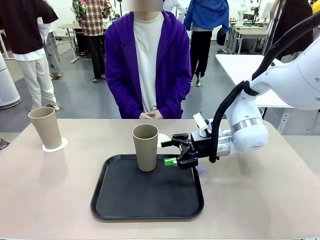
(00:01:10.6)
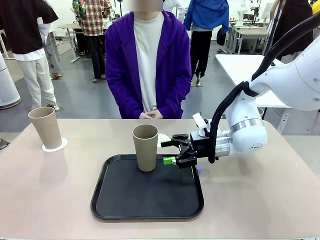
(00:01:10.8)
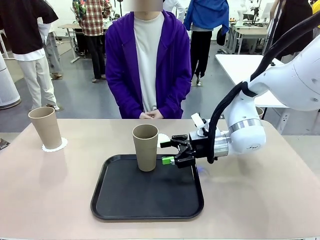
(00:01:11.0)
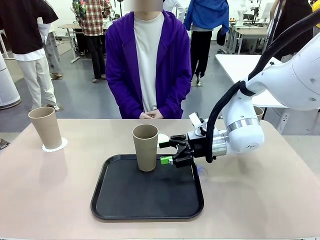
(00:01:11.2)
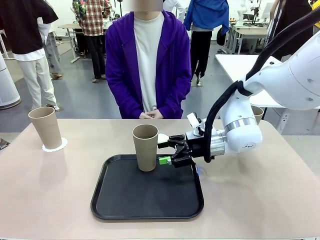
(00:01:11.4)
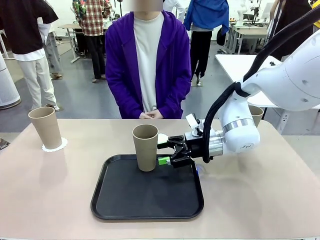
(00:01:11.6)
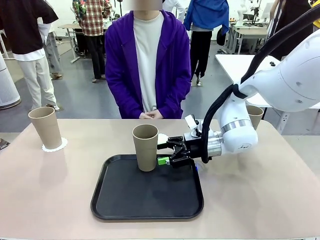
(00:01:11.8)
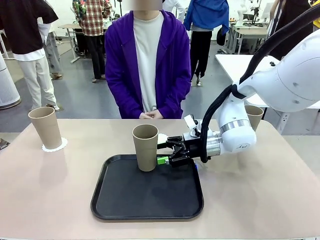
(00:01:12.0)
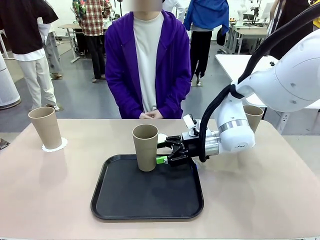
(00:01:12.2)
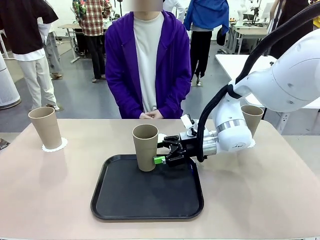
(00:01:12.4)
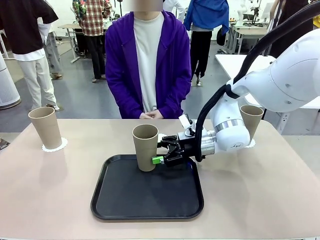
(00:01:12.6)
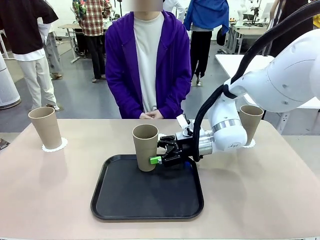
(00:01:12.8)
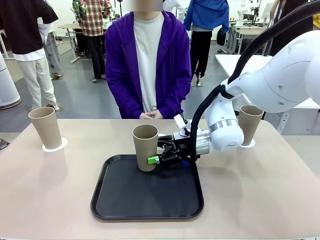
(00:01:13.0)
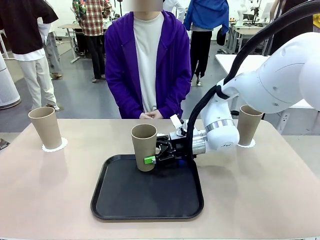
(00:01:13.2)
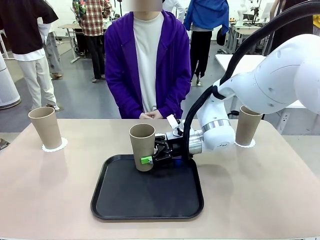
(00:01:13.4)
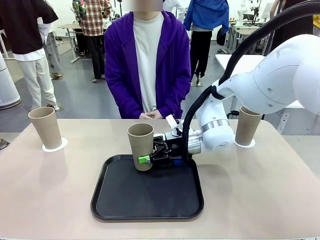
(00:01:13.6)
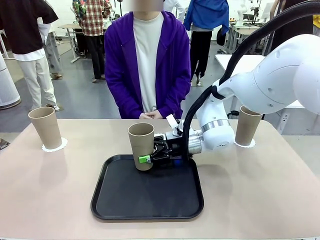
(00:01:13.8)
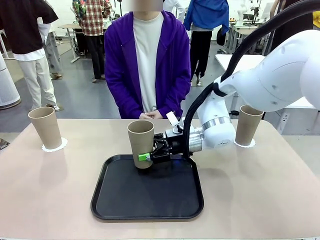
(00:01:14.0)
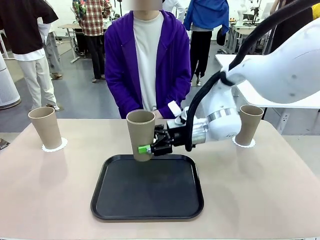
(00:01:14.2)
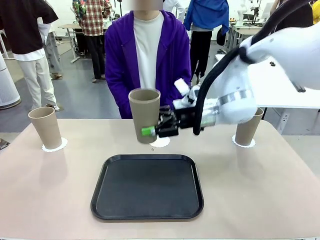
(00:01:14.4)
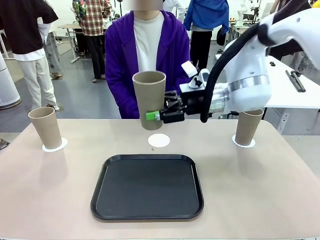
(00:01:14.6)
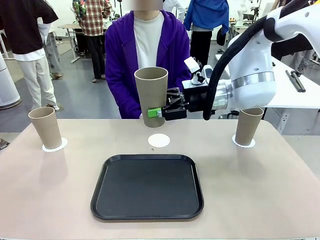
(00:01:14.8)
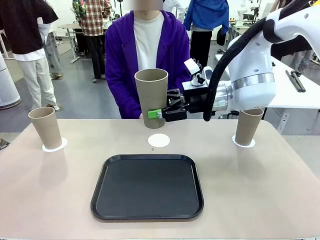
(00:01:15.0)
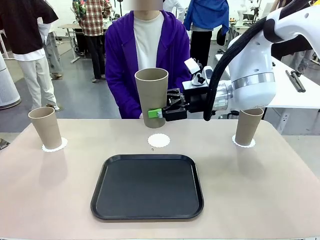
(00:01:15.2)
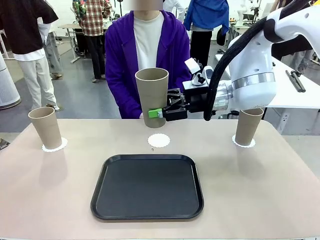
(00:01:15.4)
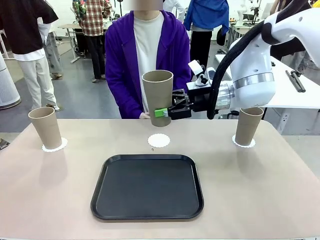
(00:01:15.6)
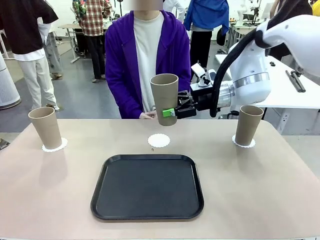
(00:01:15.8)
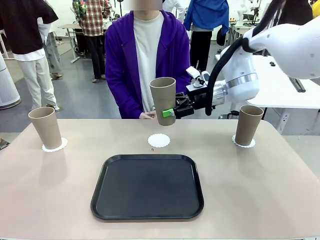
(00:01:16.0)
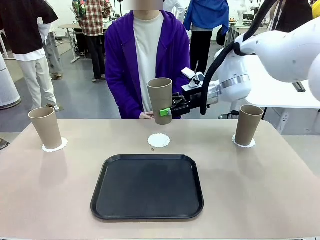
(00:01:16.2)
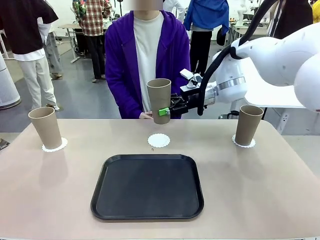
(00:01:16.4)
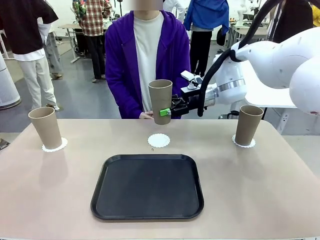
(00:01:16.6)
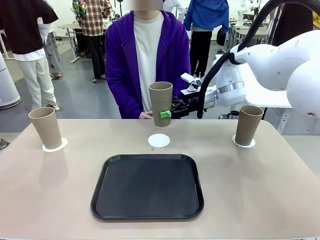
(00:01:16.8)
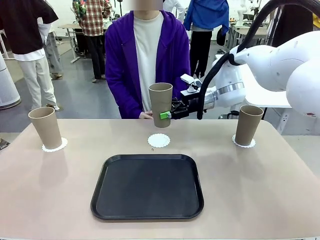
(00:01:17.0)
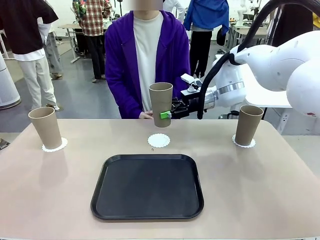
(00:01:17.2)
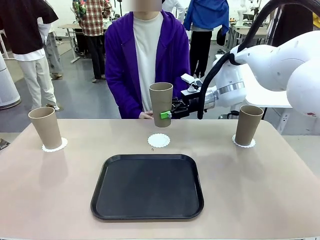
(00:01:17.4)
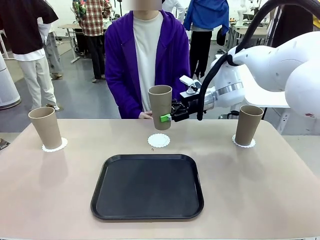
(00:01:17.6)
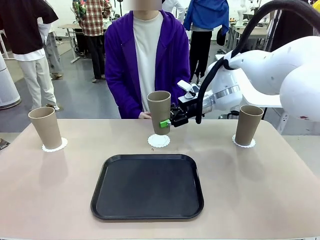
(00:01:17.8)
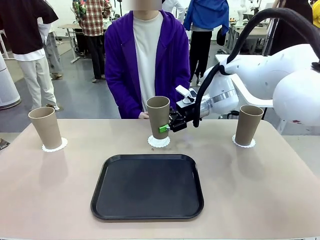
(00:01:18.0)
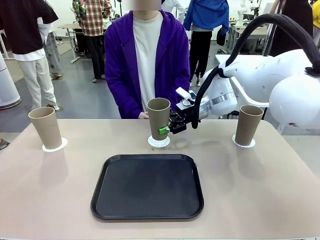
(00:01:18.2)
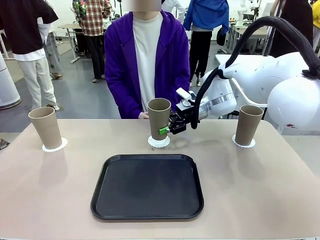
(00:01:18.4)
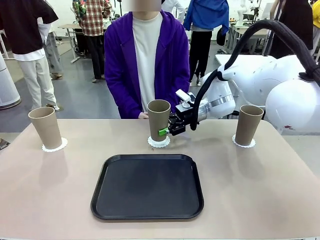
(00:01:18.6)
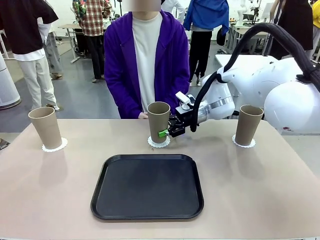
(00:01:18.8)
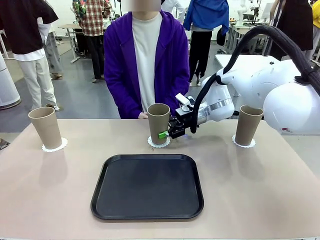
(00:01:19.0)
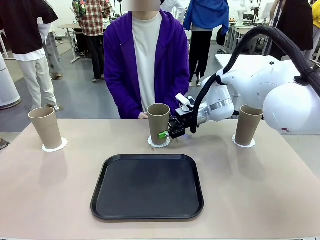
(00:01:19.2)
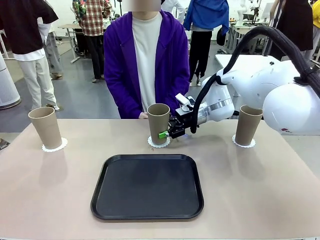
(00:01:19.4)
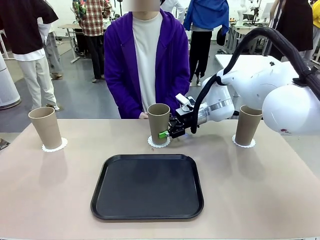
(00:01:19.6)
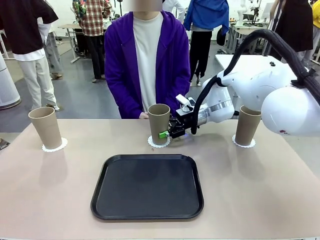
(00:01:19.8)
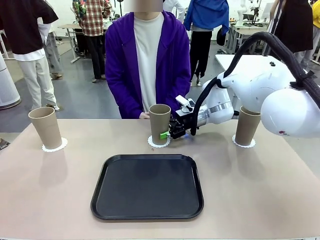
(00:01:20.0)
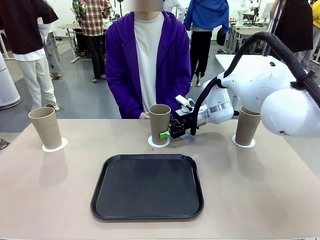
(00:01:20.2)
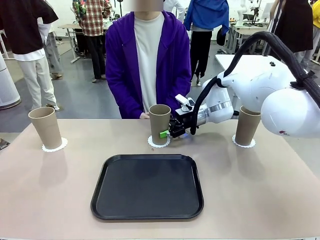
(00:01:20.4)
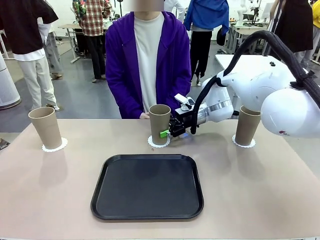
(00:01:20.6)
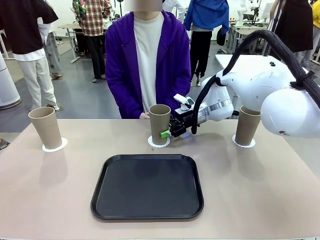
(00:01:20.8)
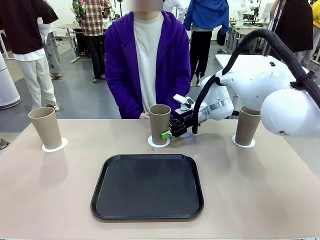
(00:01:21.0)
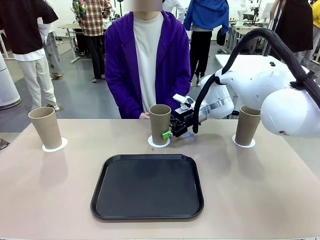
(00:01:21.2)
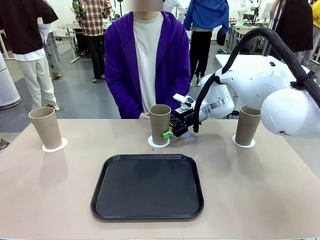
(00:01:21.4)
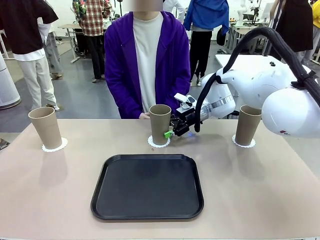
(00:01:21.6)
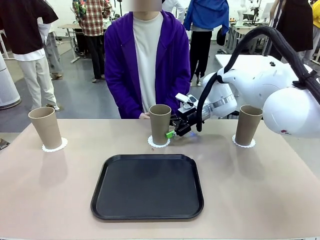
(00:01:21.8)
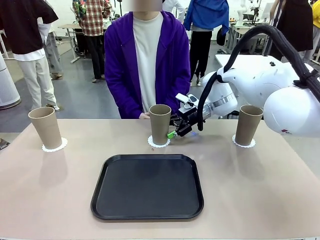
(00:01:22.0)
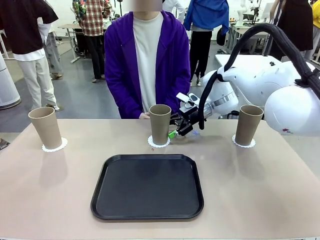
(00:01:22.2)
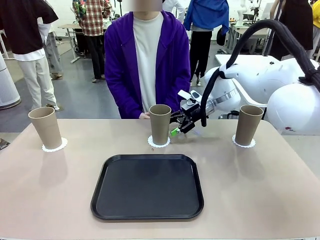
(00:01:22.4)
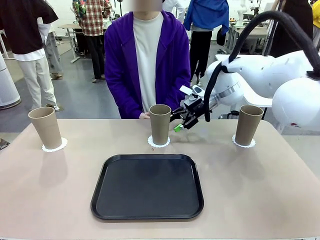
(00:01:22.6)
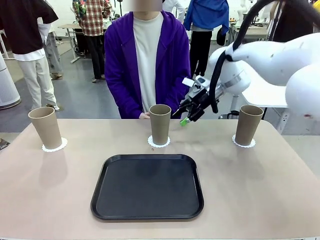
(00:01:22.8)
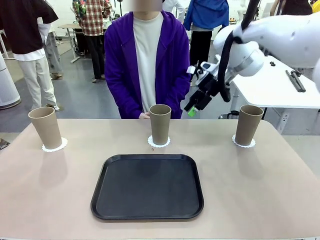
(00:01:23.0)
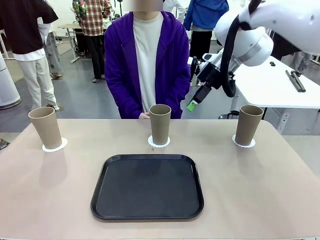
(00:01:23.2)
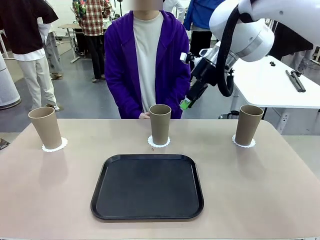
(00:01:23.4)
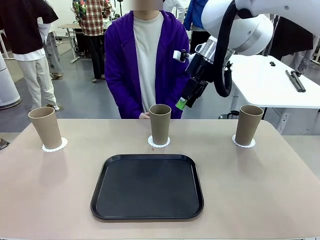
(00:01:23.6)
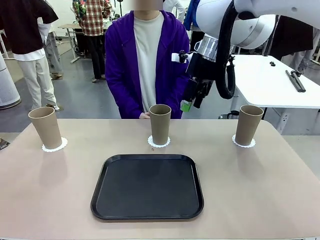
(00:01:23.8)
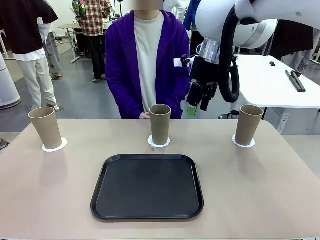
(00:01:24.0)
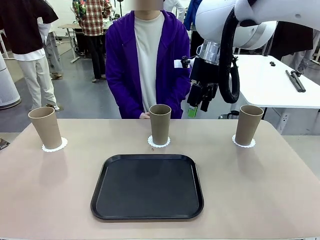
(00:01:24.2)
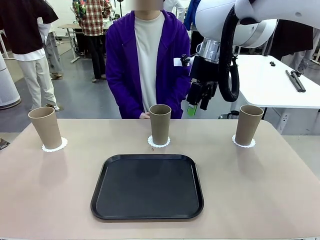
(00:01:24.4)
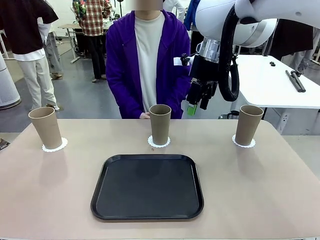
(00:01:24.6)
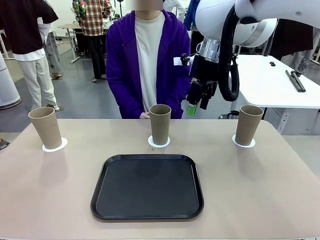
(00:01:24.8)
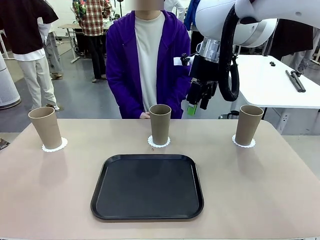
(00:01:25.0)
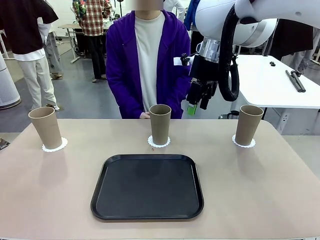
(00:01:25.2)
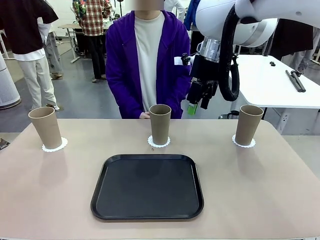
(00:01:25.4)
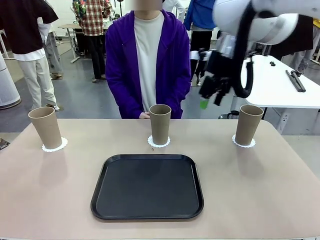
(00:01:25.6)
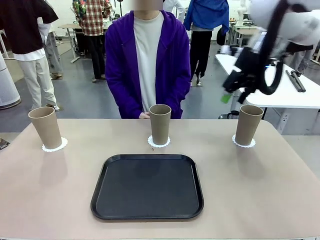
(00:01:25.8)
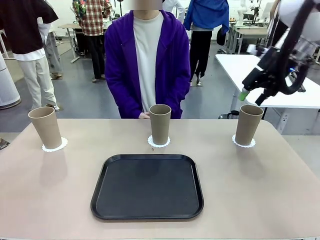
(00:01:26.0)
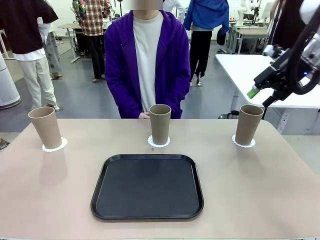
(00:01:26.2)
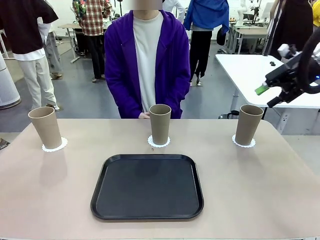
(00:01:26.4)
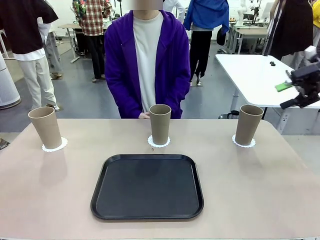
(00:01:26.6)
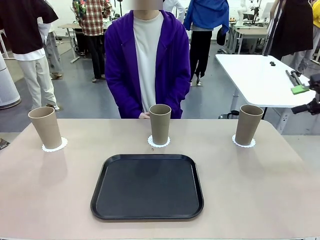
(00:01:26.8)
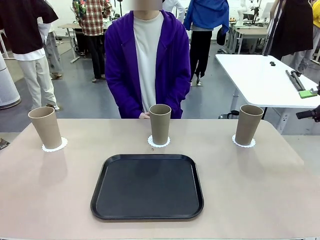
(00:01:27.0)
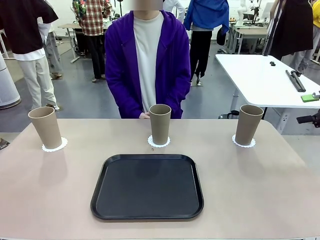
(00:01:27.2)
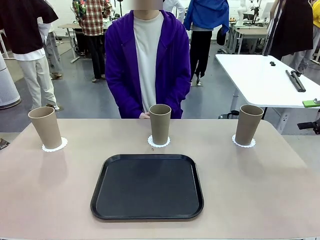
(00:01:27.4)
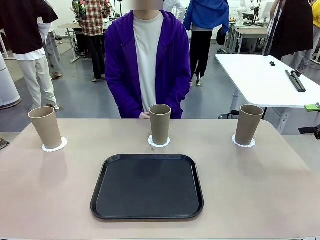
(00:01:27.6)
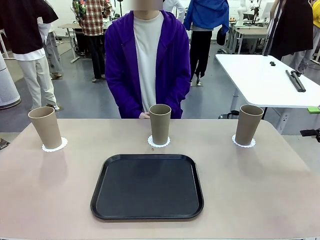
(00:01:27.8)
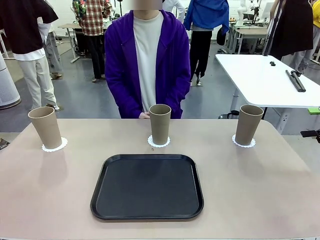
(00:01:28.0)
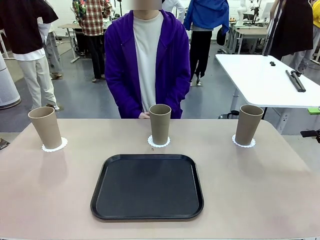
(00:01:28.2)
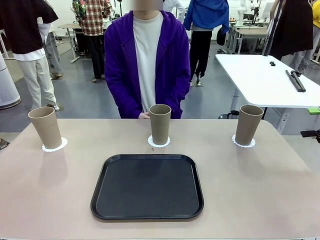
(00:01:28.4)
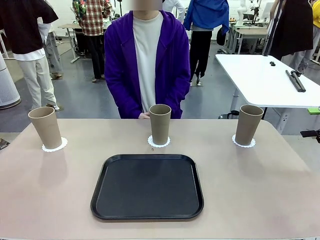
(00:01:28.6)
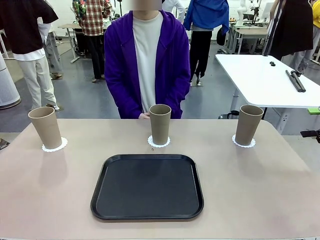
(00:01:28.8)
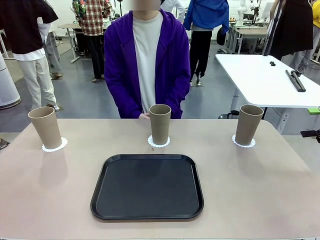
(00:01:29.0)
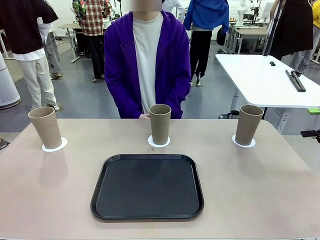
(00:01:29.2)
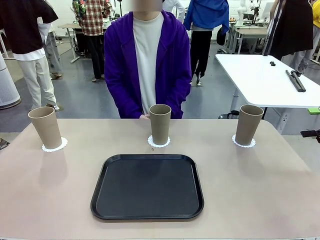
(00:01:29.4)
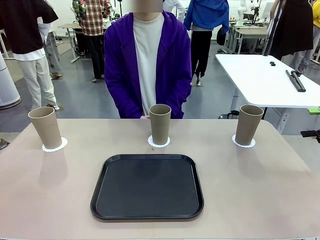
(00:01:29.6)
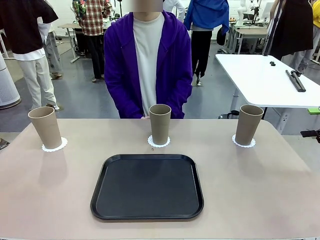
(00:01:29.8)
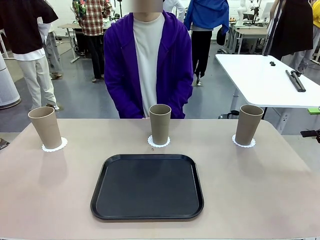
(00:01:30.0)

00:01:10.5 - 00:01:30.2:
Task: Place coasters on the table and set cups on them.
Robot: Take one Reusable plastic cup from the Flat Tray and place it on a coaster set by the human.
